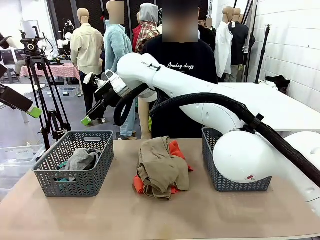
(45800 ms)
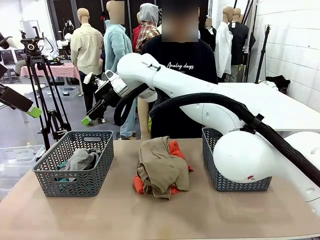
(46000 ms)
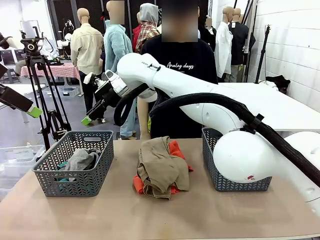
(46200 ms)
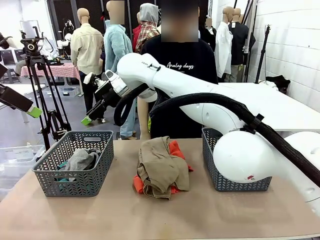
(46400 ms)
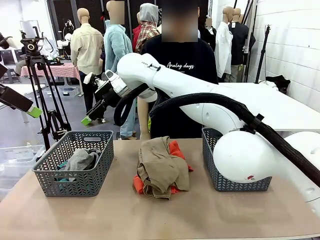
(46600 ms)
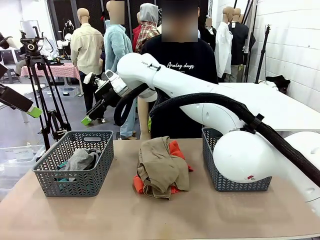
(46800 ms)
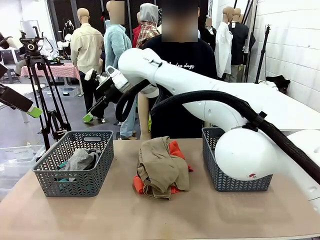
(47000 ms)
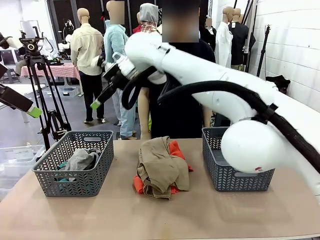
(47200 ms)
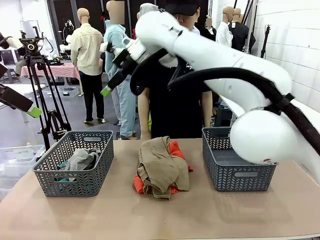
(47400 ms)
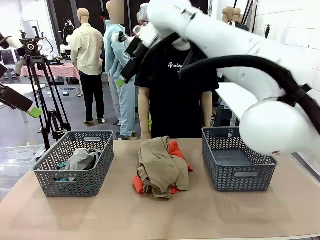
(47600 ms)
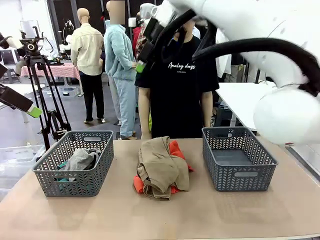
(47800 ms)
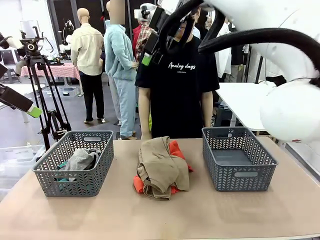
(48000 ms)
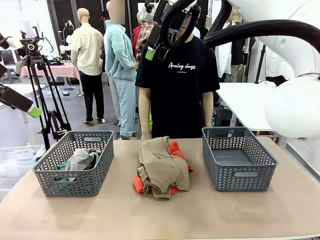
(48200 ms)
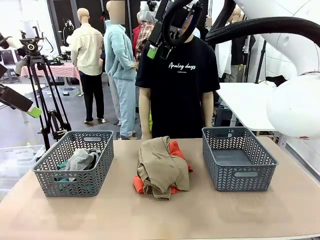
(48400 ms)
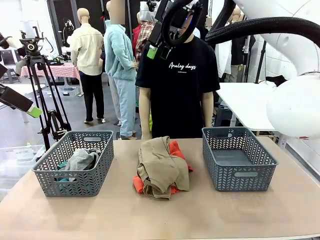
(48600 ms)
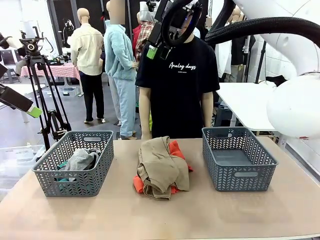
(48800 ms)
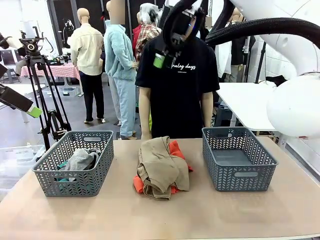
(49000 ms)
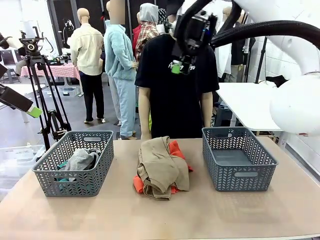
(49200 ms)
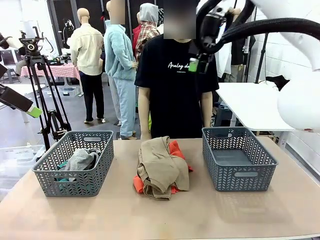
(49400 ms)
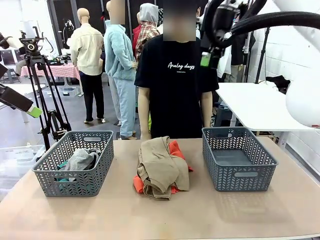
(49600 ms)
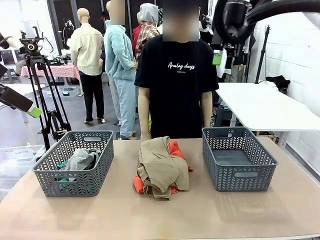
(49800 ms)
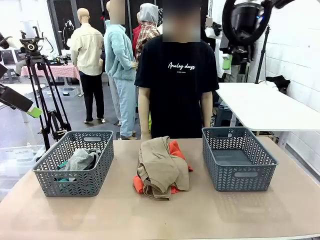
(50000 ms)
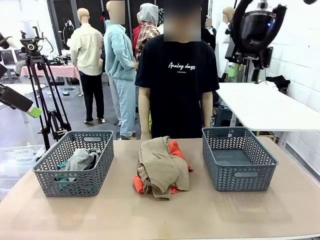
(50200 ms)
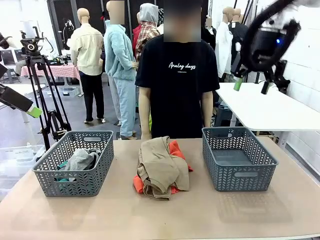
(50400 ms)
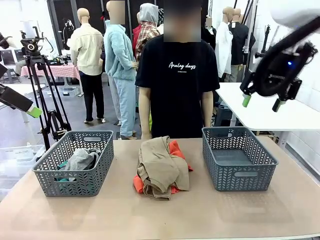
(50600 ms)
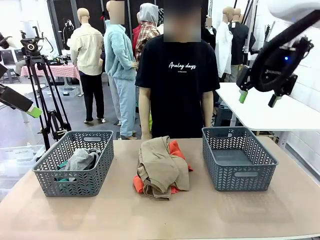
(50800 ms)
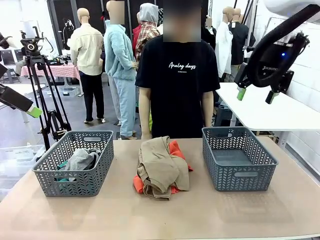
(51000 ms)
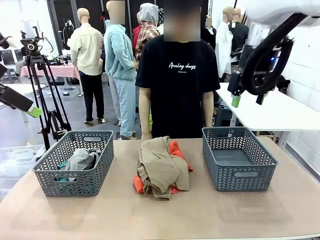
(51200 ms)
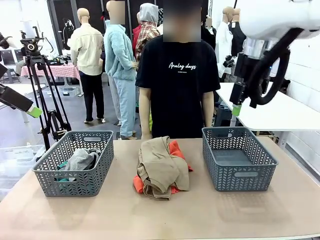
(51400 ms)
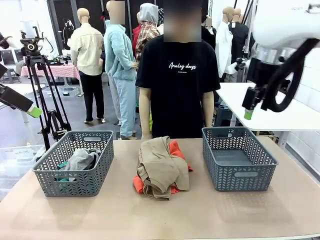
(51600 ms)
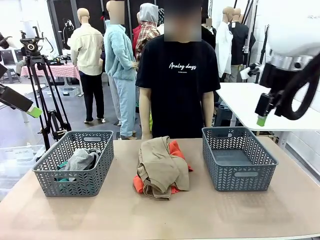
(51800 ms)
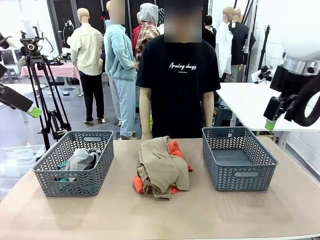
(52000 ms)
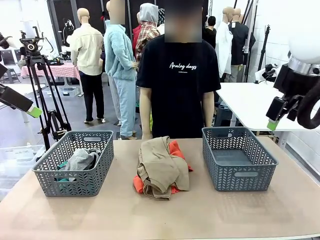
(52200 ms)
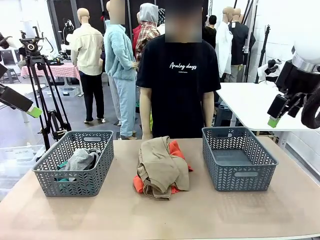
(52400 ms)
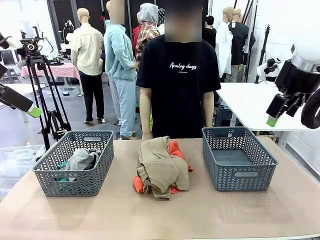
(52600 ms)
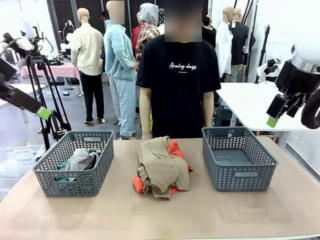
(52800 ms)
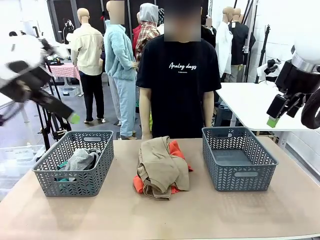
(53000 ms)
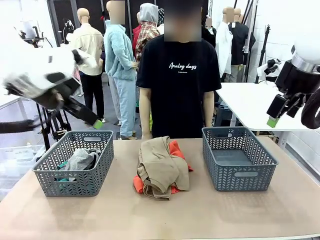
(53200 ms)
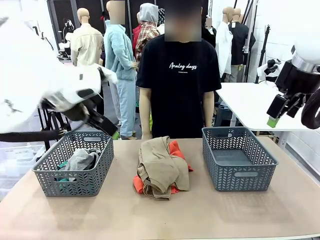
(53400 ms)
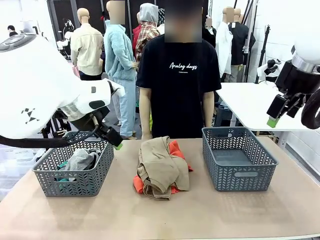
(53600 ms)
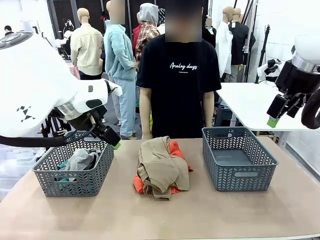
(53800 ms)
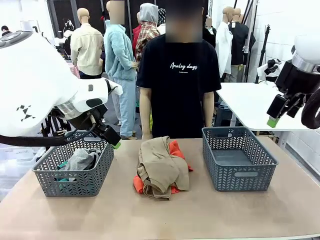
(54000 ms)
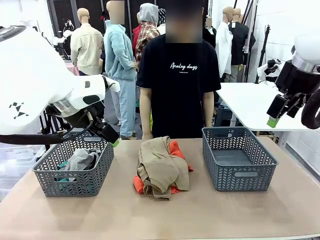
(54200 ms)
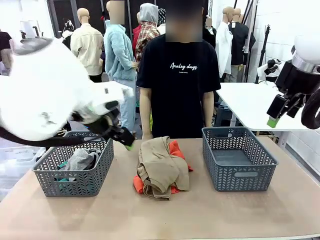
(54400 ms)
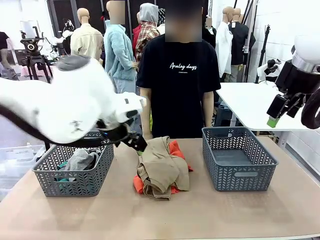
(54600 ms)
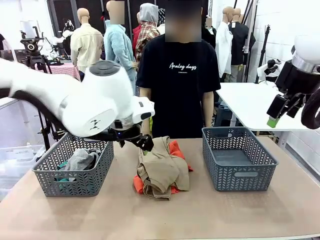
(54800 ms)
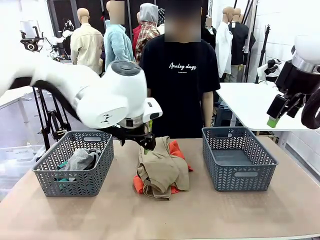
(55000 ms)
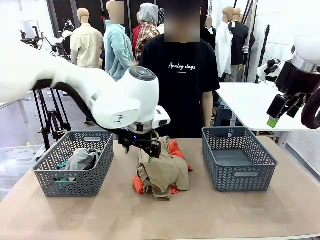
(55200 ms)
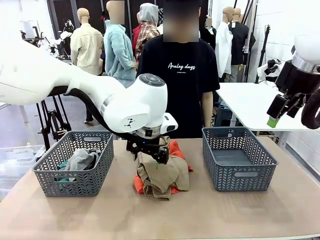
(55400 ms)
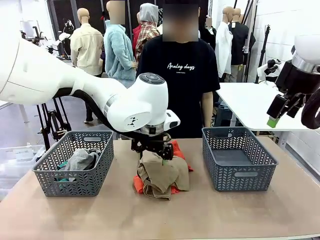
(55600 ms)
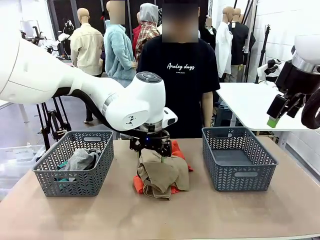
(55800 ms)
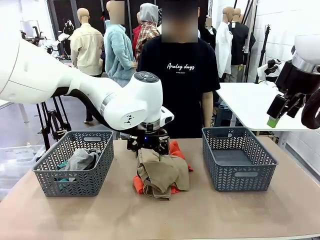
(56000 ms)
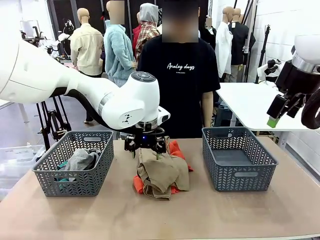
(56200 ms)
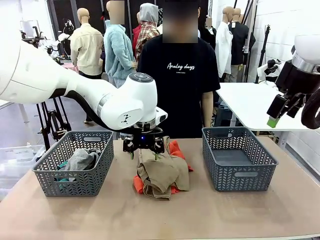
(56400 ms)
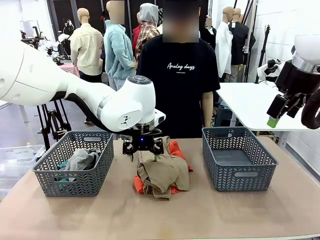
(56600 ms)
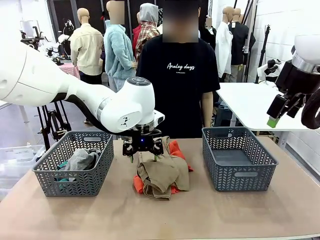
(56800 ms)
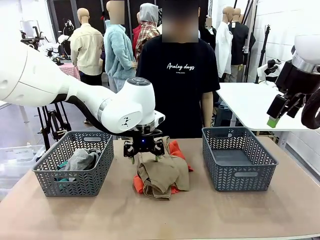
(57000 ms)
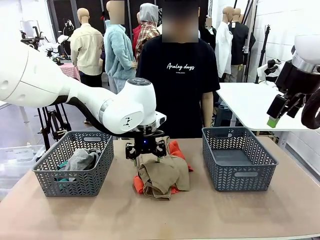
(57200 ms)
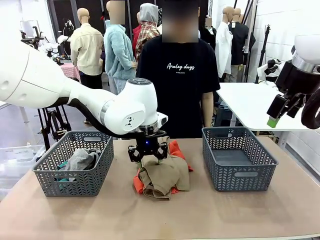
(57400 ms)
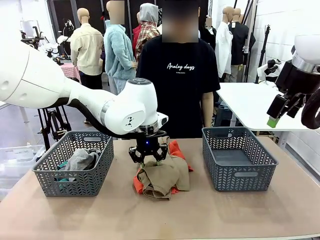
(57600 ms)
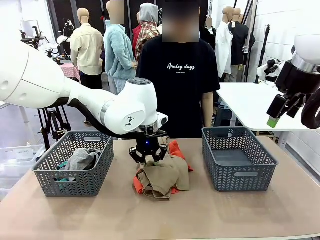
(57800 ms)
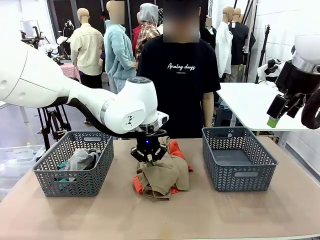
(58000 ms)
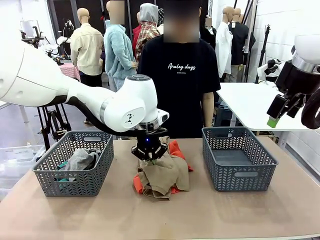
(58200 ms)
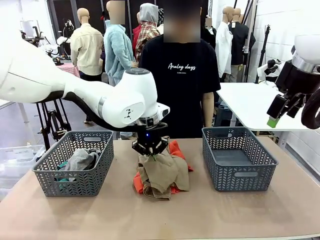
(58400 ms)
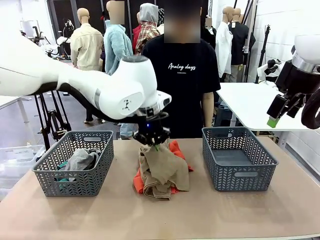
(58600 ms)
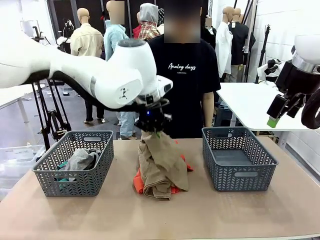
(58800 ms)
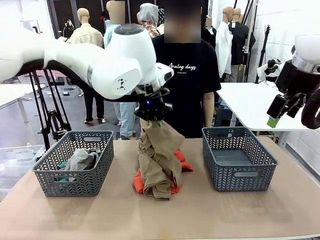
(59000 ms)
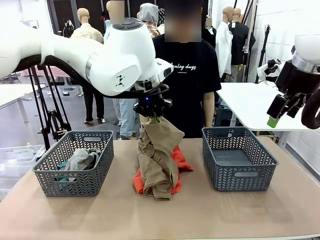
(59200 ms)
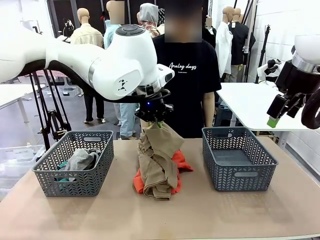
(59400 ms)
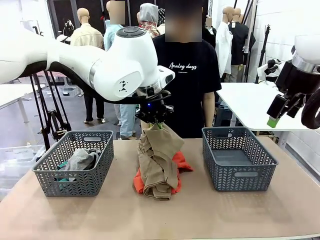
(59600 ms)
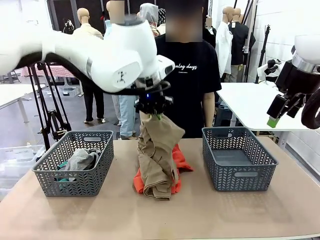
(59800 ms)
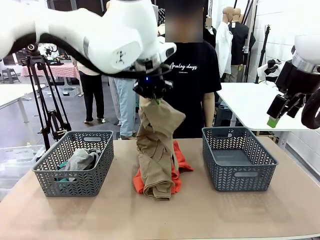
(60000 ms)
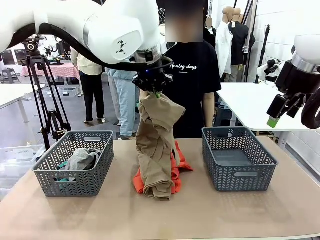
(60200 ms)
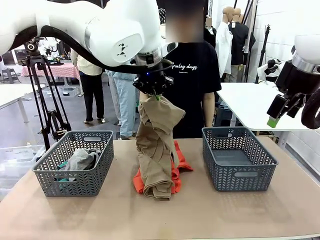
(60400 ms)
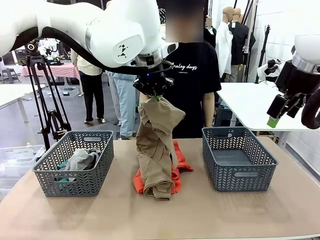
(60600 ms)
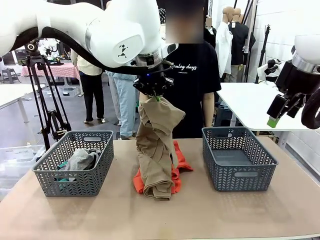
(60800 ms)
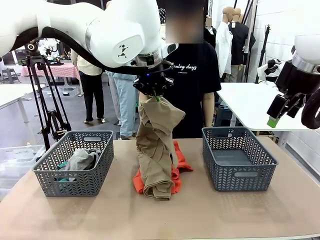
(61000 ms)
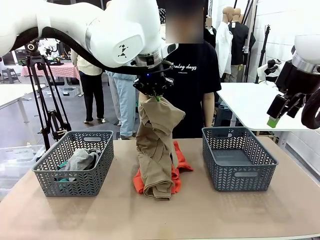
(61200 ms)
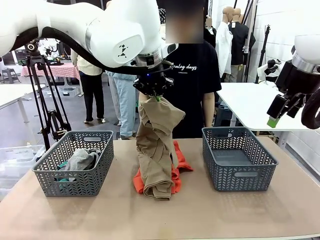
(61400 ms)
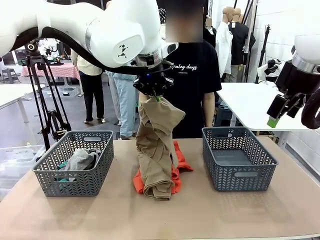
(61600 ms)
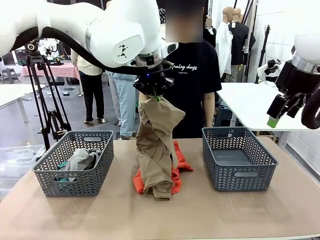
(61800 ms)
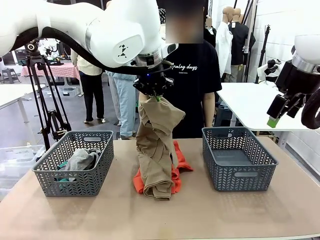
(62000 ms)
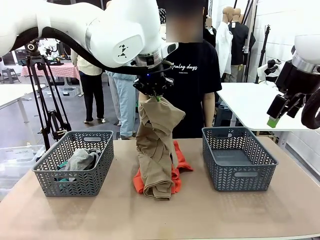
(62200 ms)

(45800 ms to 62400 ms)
Task: Sort the tops and bottoms.
Robot: Lift clothes from the center of the table with your left hand.

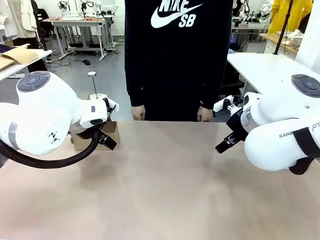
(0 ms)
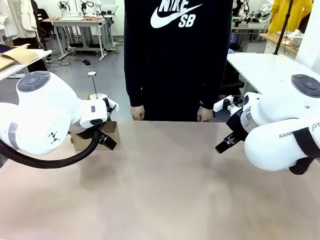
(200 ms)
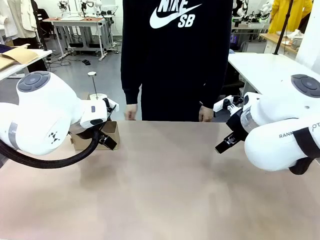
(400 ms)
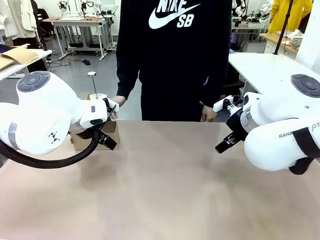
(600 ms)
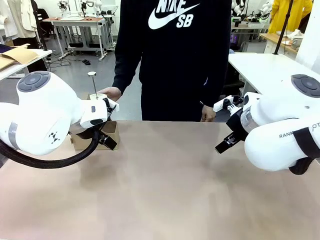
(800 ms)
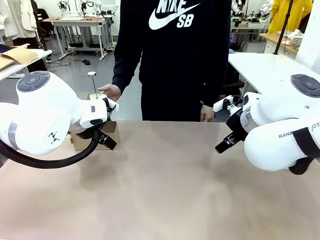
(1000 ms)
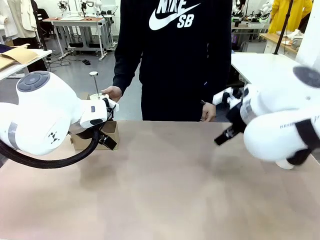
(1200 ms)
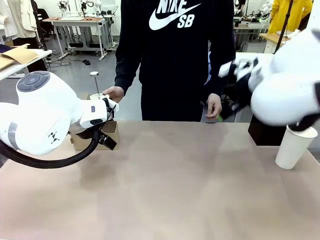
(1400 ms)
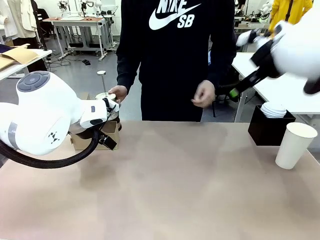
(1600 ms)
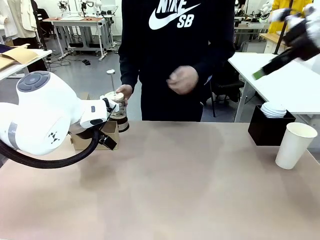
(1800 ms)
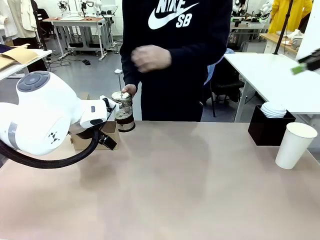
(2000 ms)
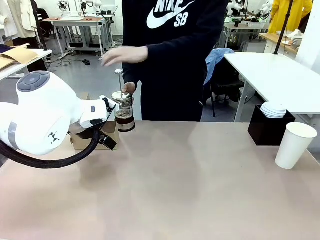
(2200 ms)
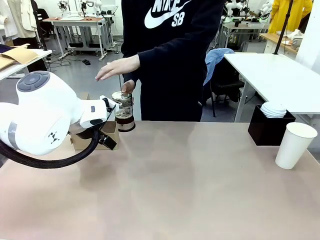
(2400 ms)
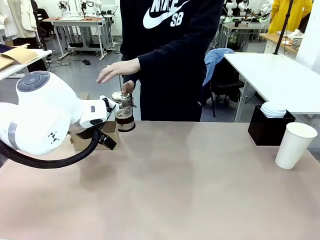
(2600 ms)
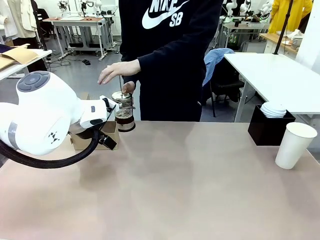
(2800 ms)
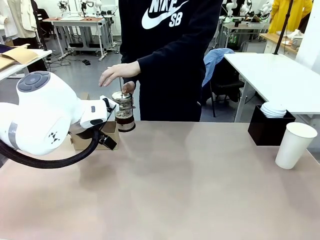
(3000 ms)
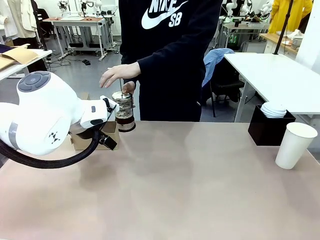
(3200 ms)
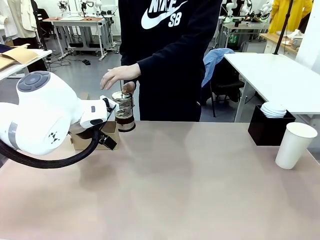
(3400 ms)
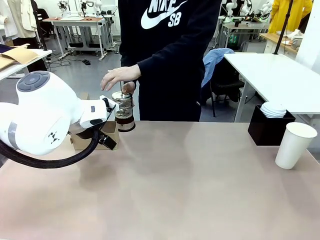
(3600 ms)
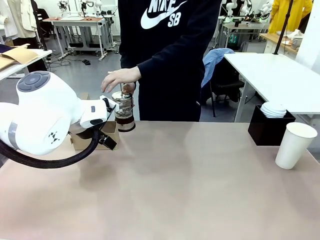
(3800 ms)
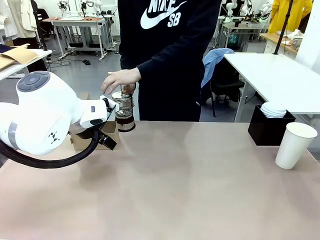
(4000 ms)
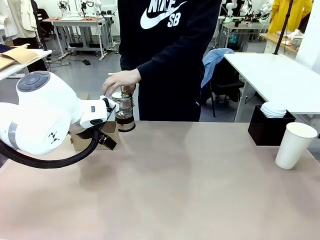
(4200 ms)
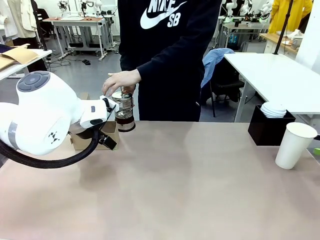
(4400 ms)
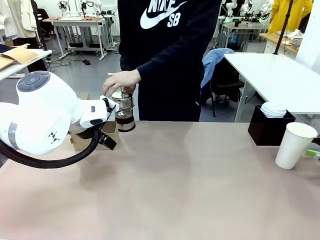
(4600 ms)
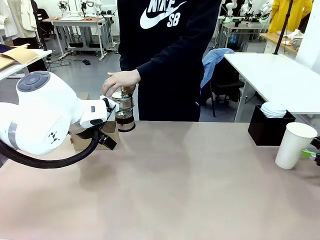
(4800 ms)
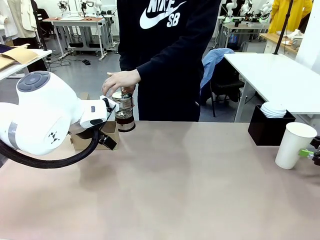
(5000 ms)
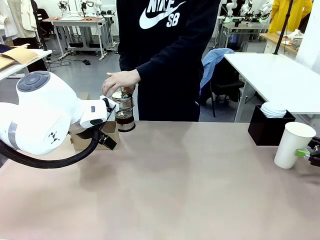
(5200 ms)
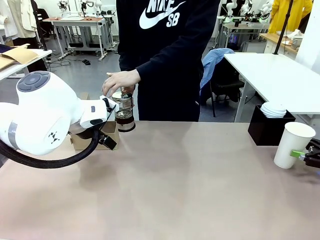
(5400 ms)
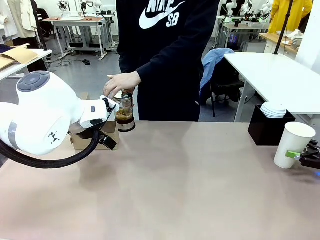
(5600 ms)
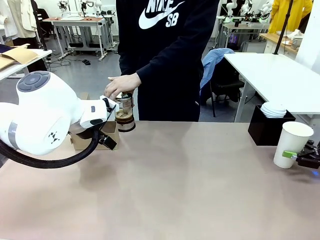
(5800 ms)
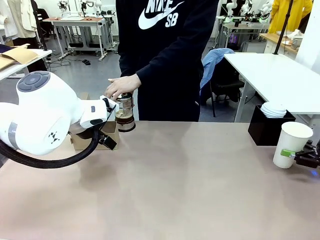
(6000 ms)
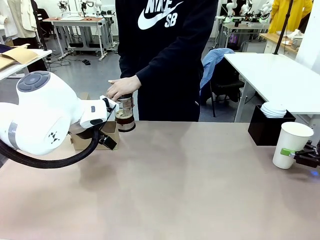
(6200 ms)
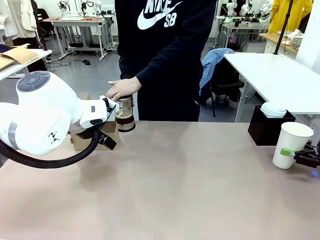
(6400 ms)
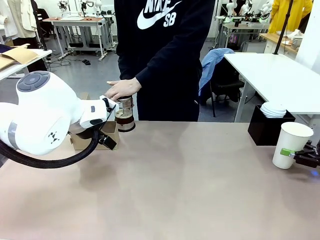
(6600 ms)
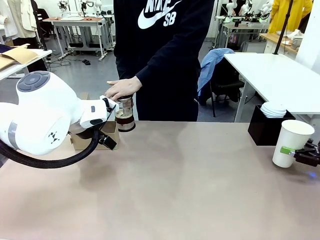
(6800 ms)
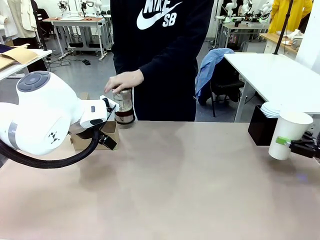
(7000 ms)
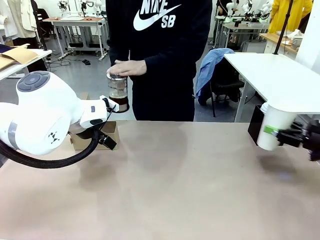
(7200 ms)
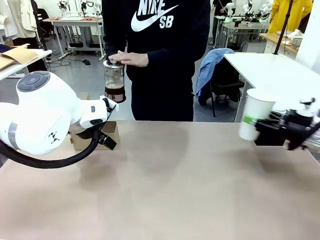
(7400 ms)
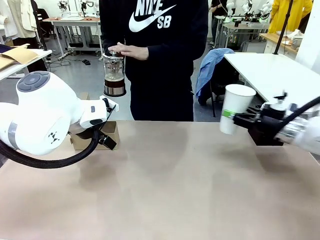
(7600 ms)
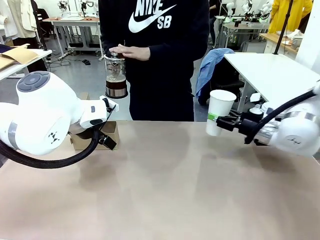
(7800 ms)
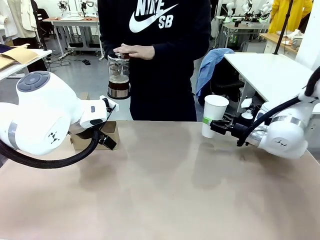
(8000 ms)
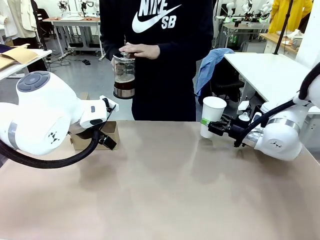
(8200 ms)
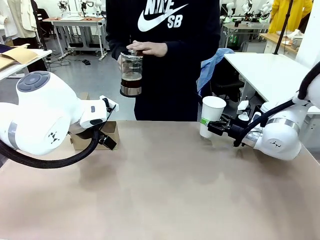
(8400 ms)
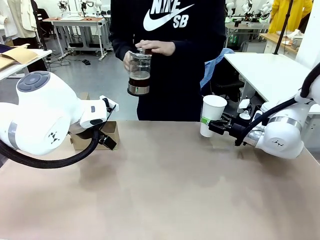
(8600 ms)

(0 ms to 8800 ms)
Task: Pour a drink into a cup and package it in a carrier.
Robot: Pick up the 600 ml Paper Cup and place it in the middle top area of the table.
Person: Press and pick up the Filter Brewing.
